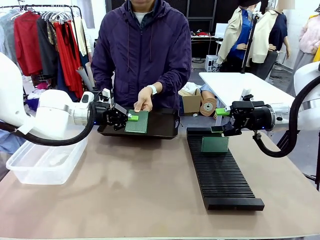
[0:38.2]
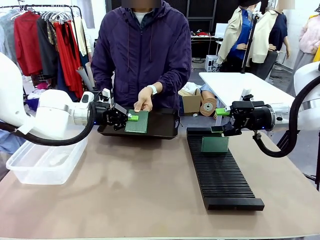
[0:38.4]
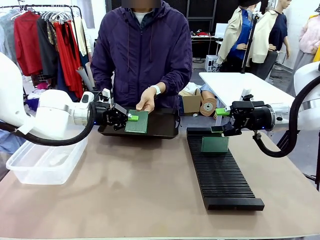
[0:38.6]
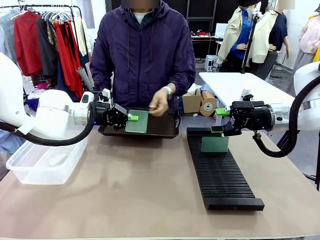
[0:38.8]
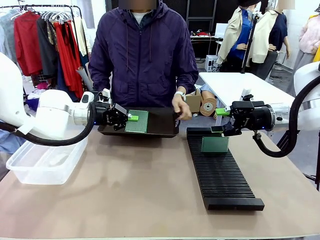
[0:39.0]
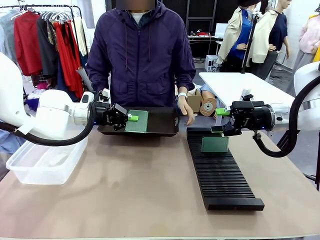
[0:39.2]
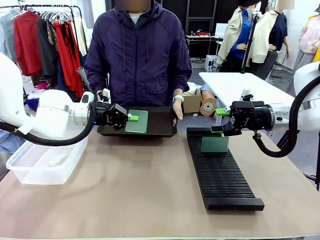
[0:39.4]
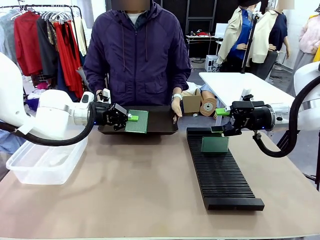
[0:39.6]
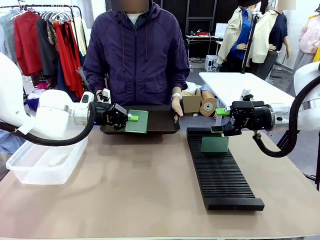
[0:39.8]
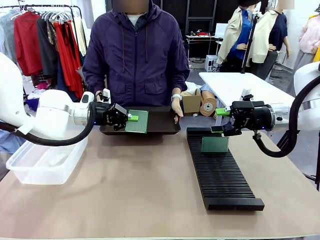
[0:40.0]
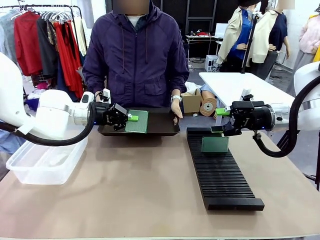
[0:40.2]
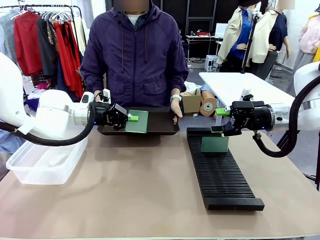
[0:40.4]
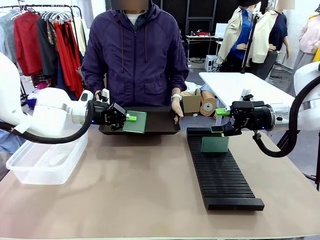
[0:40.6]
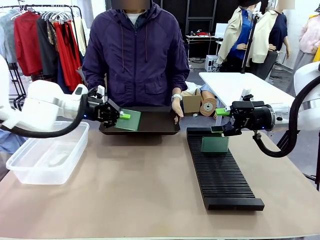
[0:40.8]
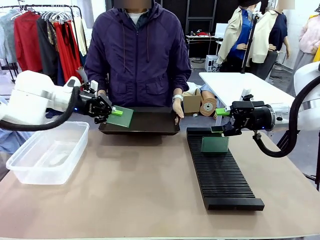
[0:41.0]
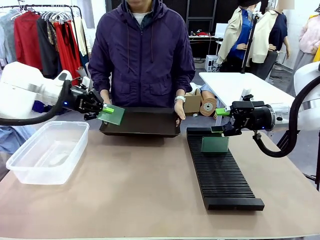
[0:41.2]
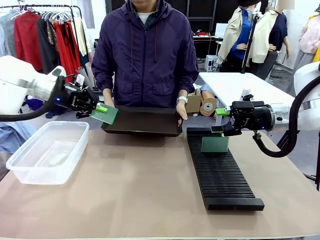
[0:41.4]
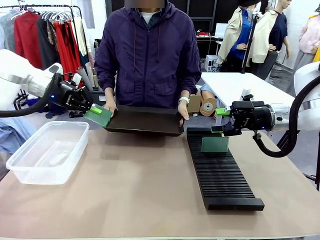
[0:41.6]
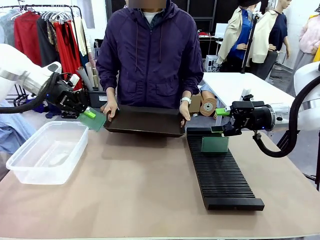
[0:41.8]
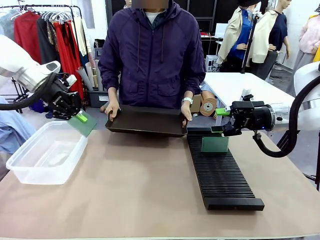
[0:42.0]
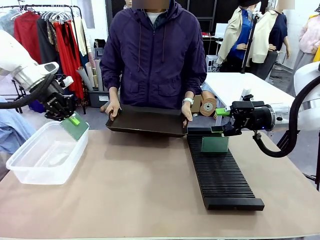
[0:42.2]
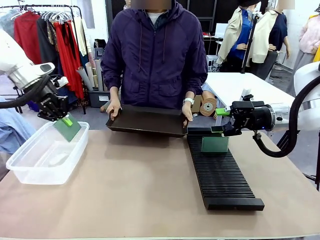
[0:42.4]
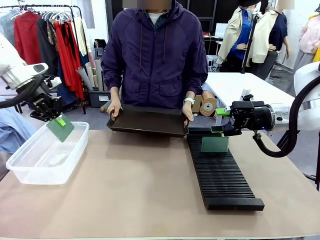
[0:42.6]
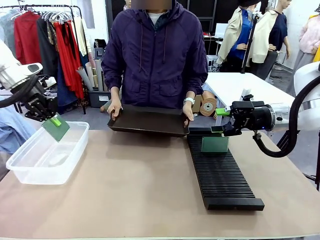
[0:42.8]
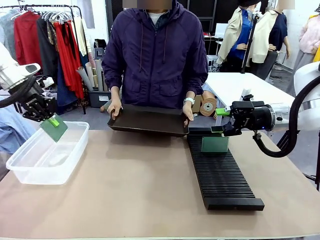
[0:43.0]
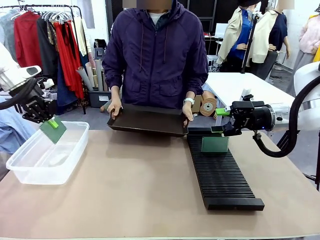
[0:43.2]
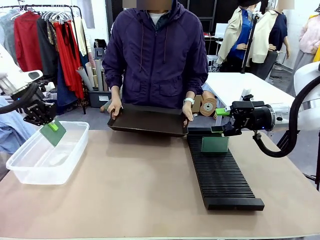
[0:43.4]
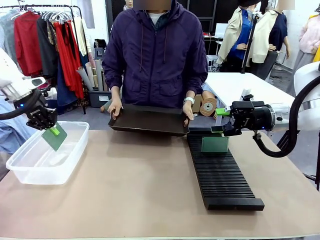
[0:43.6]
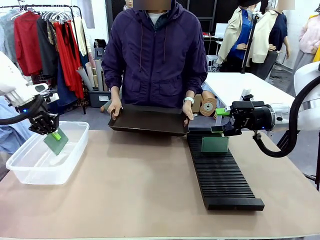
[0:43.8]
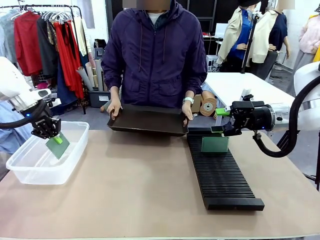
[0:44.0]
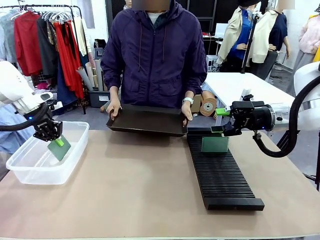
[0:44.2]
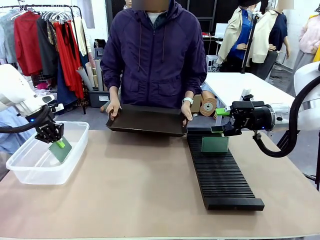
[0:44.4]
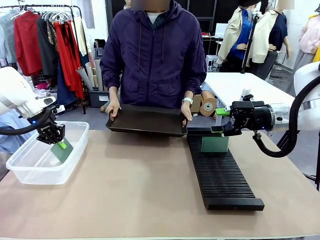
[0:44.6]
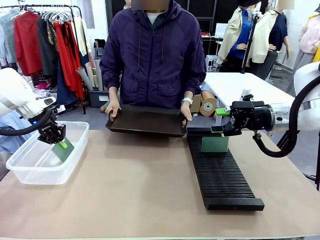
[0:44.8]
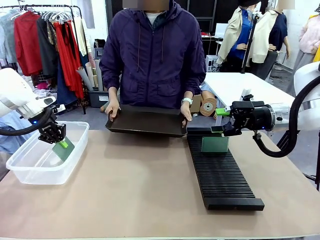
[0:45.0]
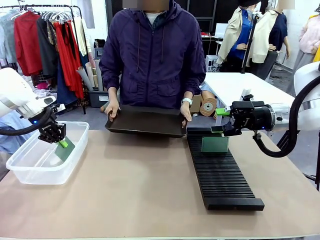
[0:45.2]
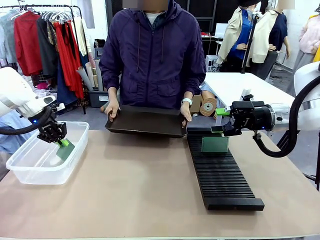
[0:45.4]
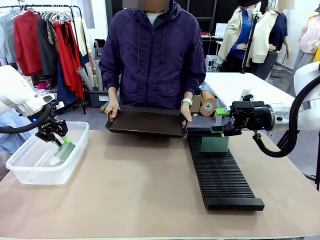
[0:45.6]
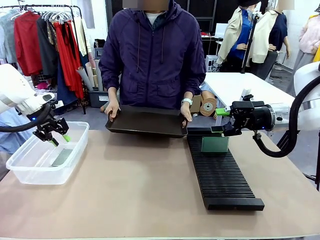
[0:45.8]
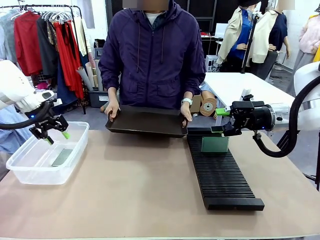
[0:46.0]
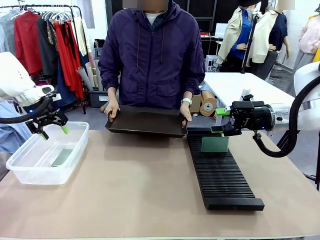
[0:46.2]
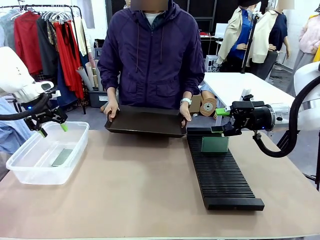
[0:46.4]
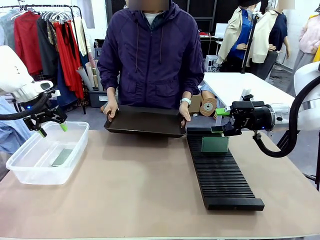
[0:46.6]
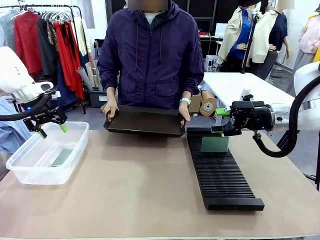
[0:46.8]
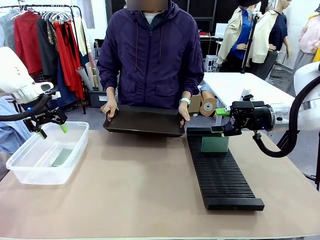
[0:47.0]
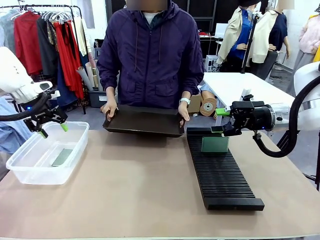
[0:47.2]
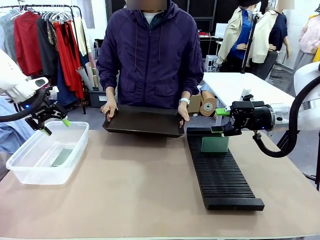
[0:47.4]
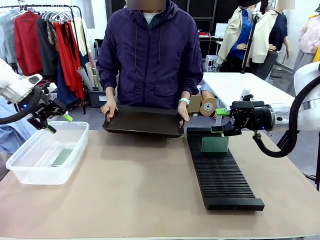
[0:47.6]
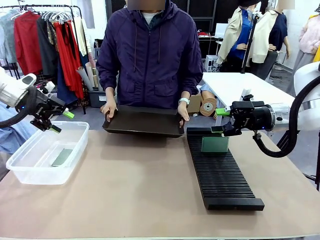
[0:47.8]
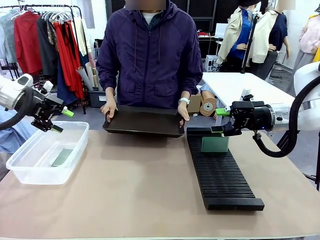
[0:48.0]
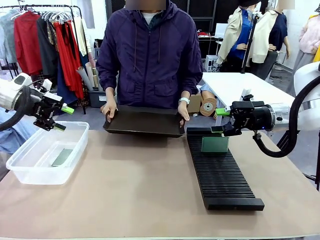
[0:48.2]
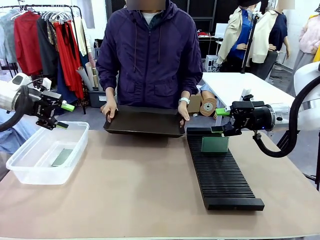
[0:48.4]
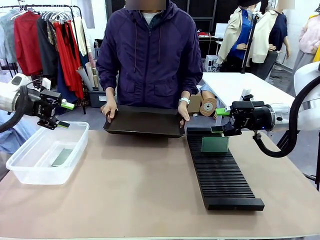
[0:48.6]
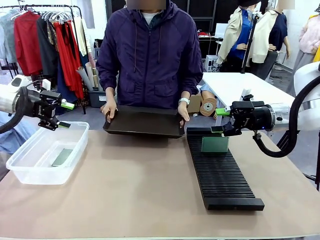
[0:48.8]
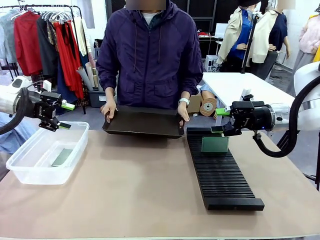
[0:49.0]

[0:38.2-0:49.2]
Task: Sort PCBs into racks and boxes based on the side picked up.
Robot: If the short side of the Blank PCB is picked up, insert it into the PCB Rack ; if the long side is picked up, place it in the Organizing box.
Person: Release the PCB being held.

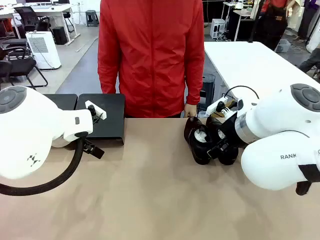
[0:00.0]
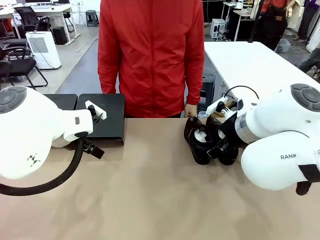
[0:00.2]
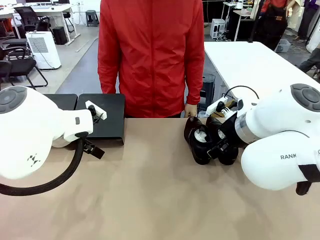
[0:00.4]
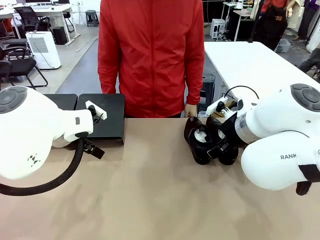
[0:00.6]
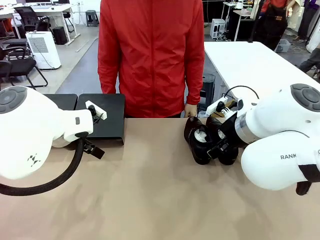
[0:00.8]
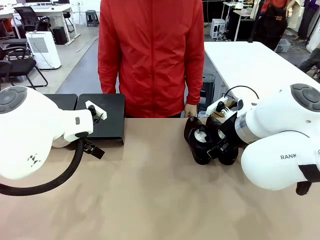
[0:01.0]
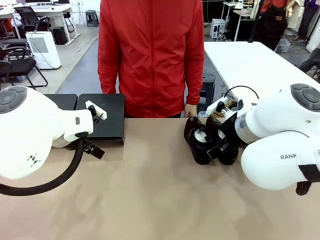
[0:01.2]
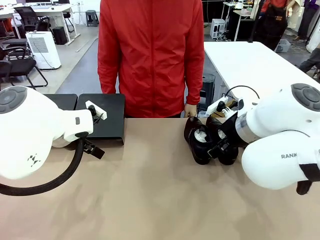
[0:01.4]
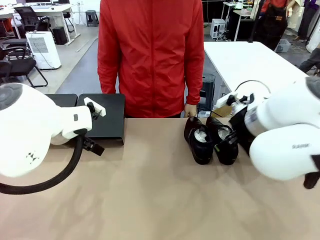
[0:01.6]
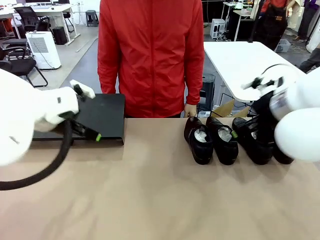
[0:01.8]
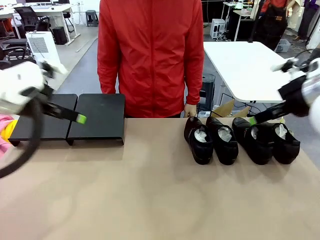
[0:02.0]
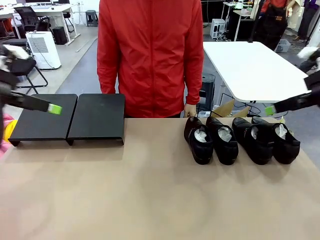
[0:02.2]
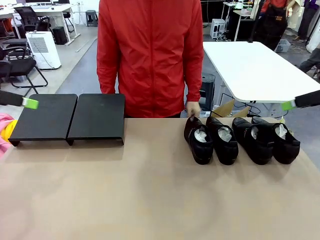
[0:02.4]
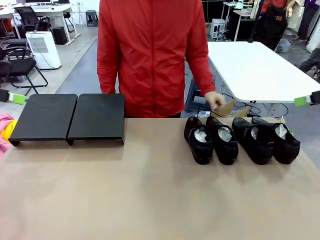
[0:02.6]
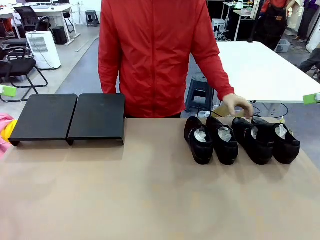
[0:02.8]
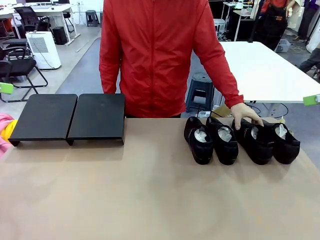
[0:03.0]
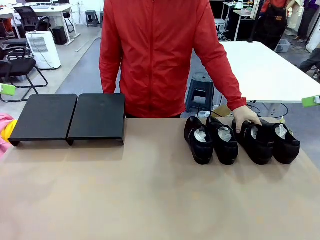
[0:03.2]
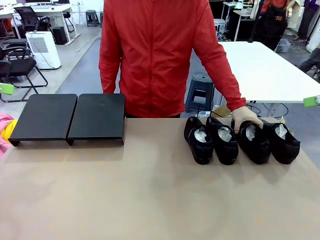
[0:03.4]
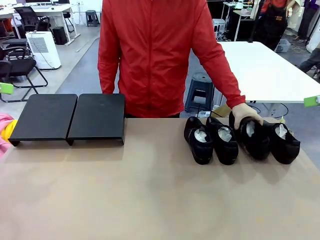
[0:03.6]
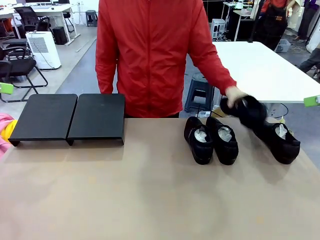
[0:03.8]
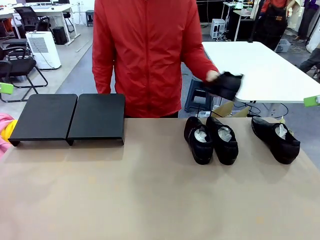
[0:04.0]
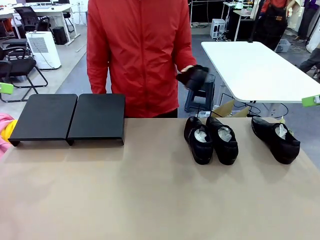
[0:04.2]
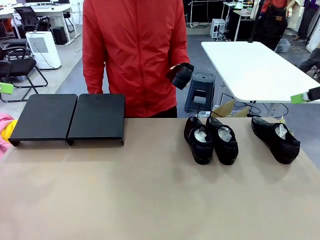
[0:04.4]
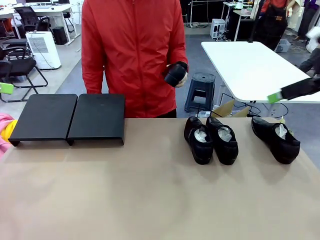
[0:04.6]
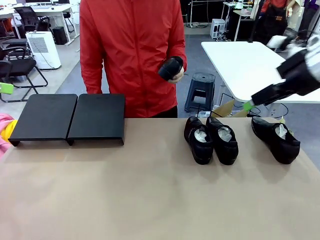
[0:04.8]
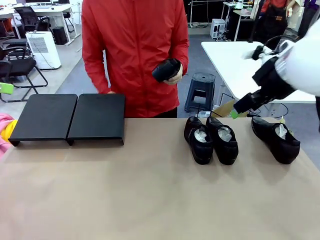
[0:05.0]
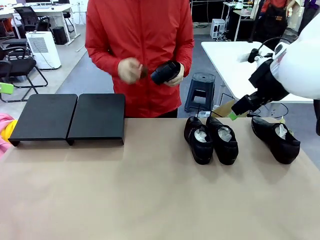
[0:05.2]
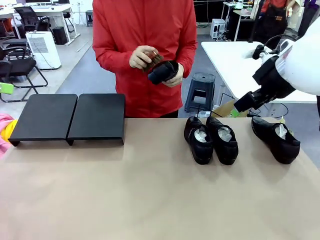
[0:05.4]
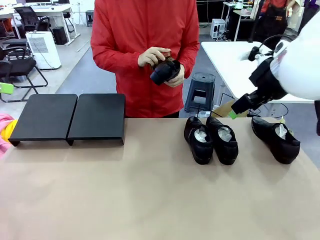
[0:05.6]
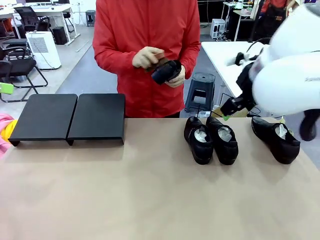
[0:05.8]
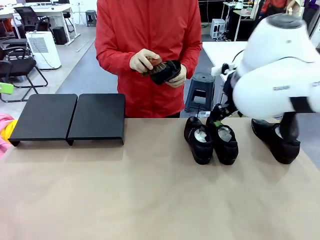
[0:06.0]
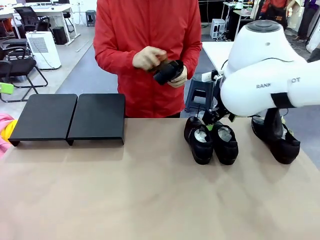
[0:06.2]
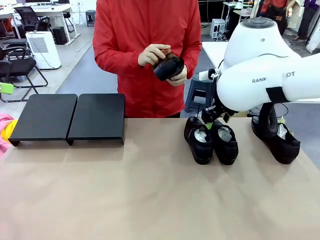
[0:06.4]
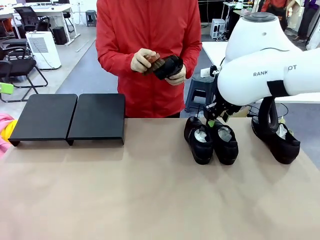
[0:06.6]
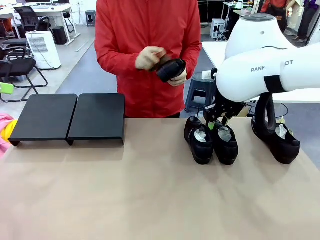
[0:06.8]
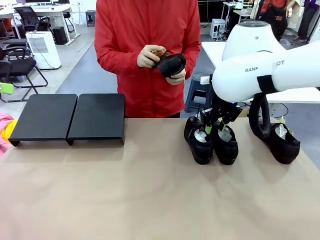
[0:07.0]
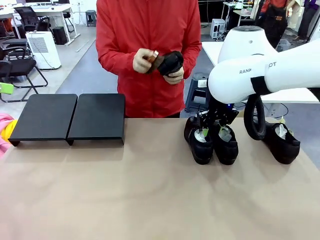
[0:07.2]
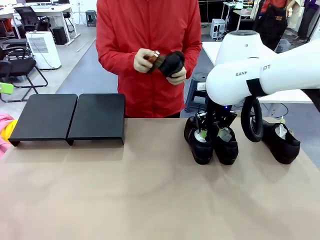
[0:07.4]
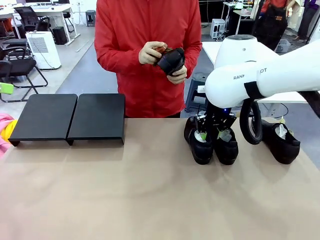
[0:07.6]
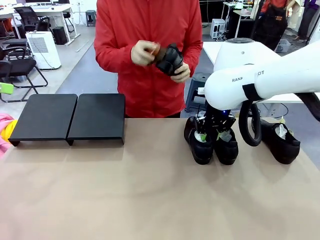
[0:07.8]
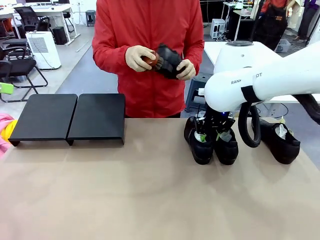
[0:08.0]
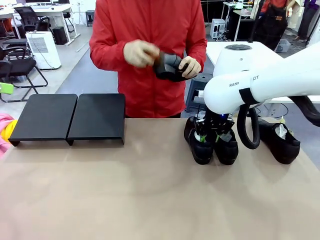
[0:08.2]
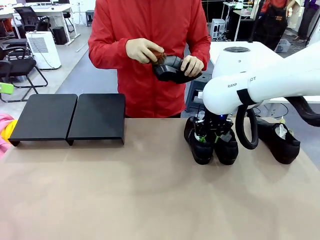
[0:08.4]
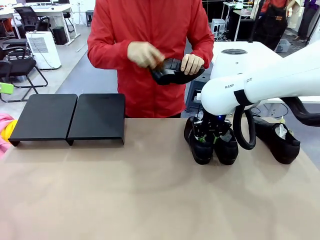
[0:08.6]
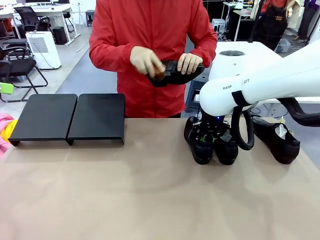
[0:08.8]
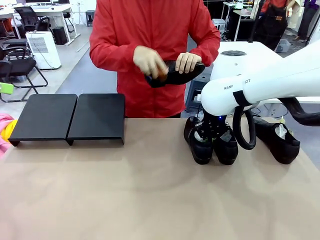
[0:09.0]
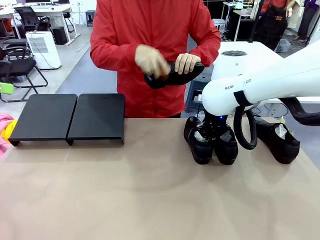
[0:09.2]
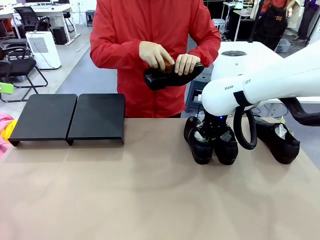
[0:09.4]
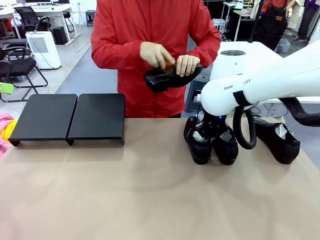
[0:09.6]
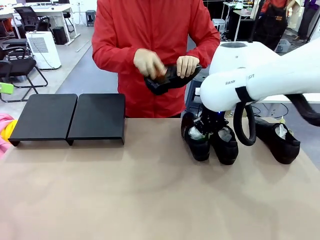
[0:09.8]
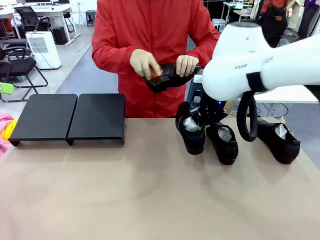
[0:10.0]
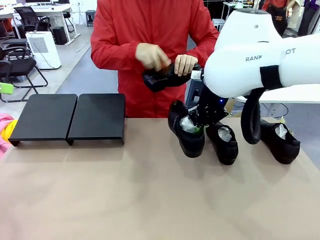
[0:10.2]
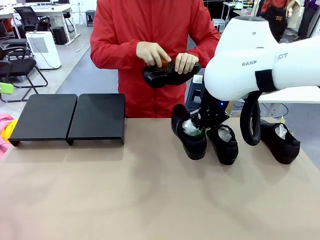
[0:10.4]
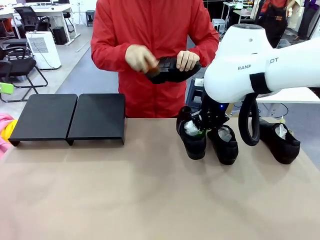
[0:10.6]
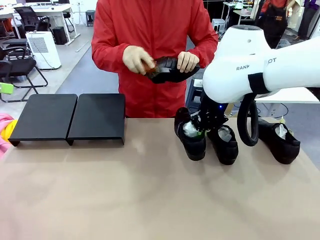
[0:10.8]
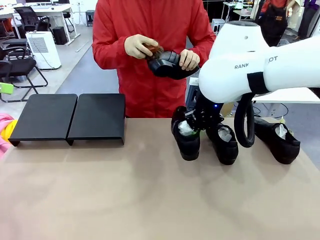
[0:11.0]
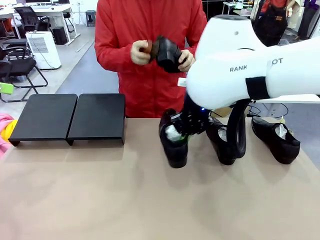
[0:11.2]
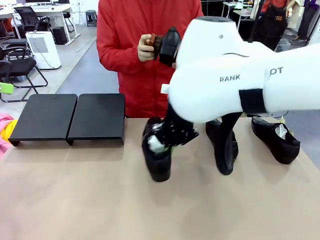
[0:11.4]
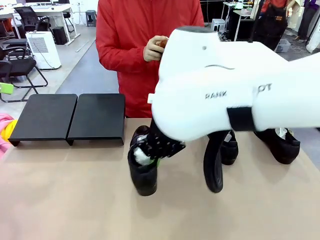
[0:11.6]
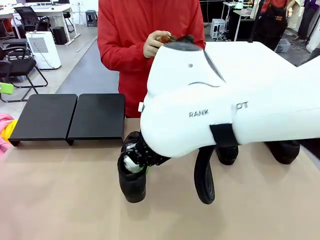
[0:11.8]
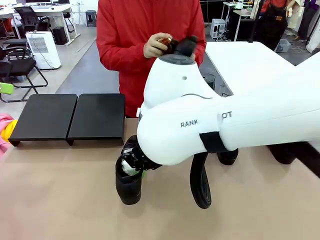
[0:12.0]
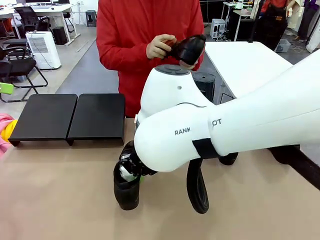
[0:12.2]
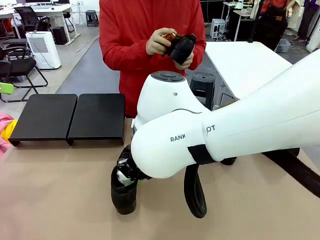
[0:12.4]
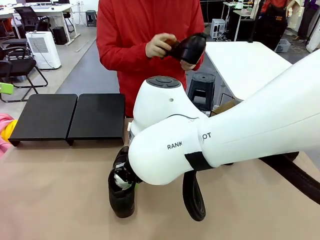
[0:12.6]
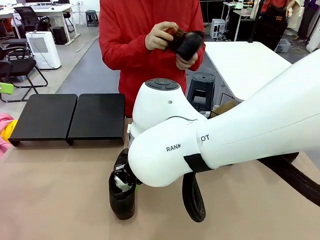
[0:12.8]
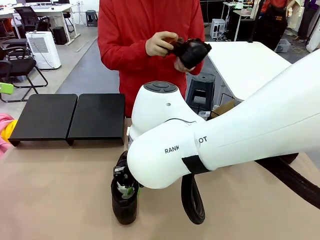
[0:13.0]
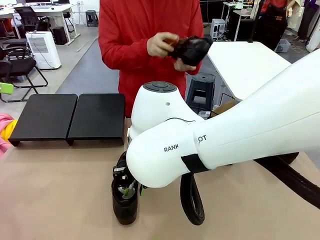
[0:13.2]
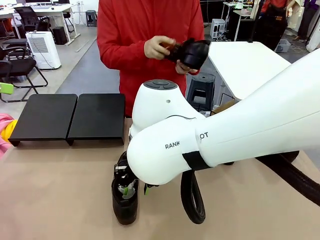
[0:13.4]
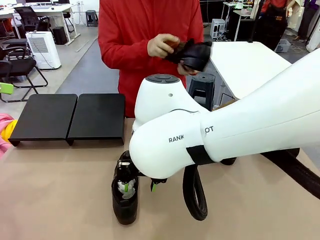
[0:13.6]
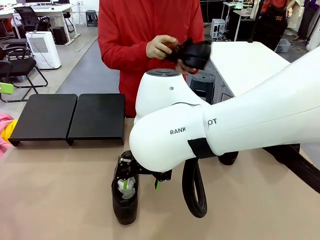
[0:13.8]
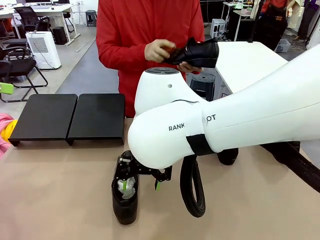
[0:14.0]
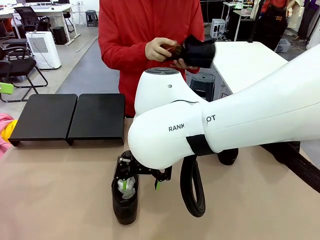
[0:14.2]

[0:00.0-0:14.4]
Task: Organize the shoes by placing them on the stand.
Robot: Pick up one Shoe and place it in the middle of the table.
Person: Pick one Shoe on Robot's table. Clean the Shoe with the Shoe Brush.
